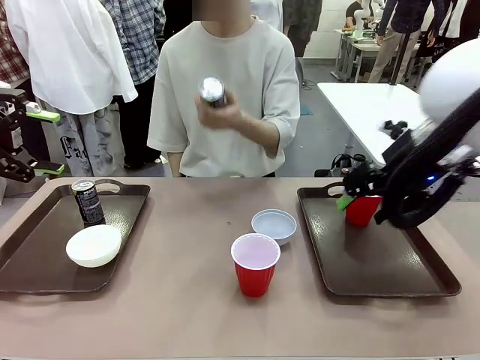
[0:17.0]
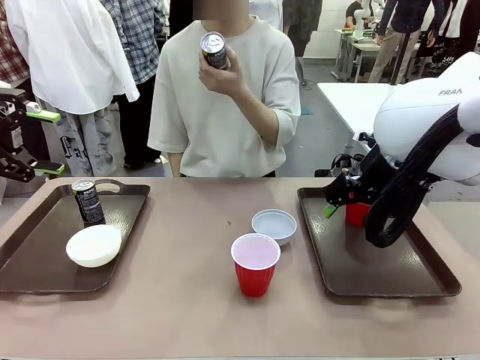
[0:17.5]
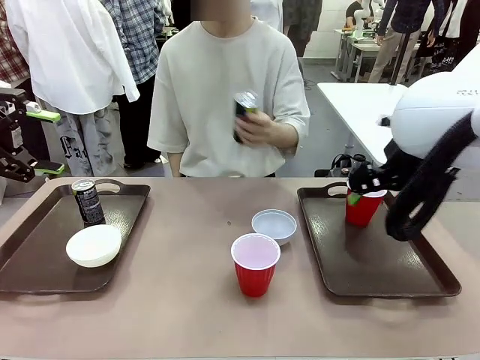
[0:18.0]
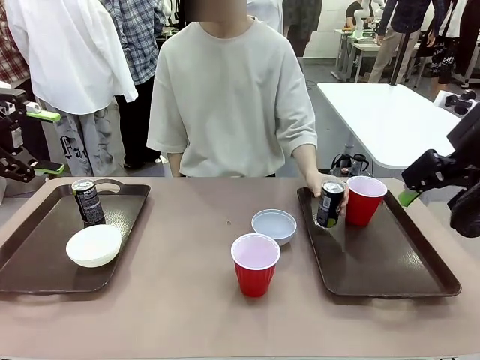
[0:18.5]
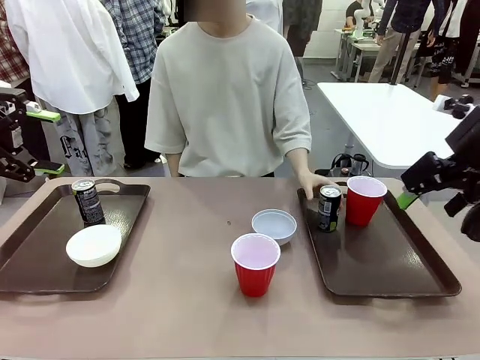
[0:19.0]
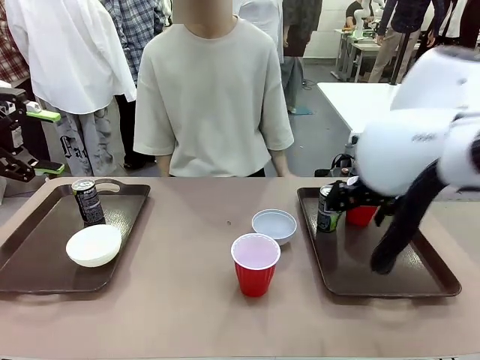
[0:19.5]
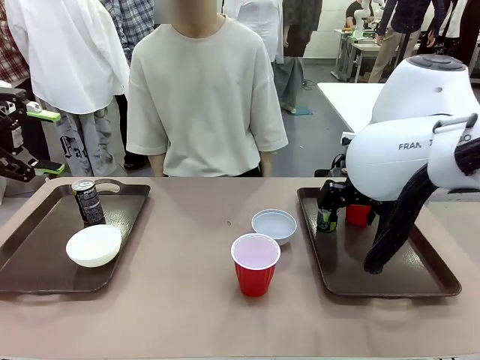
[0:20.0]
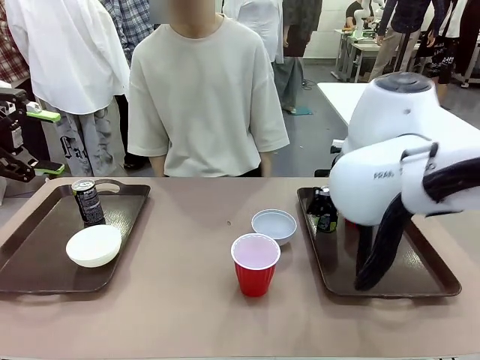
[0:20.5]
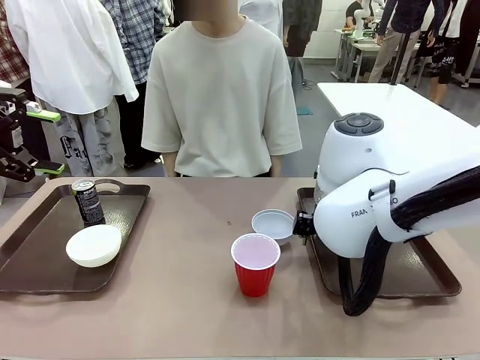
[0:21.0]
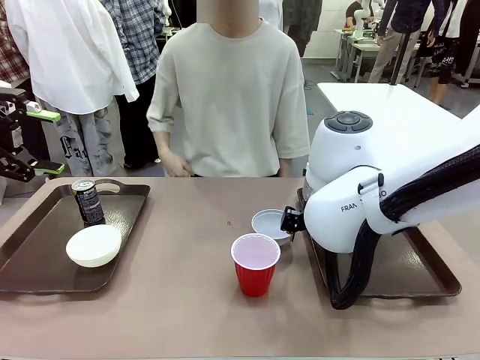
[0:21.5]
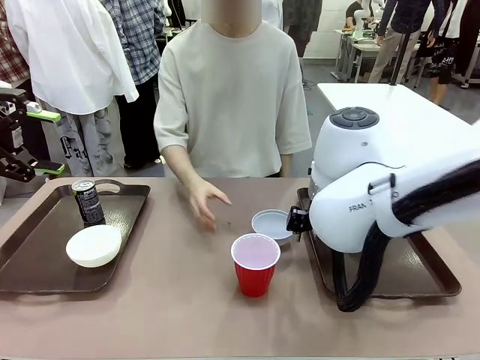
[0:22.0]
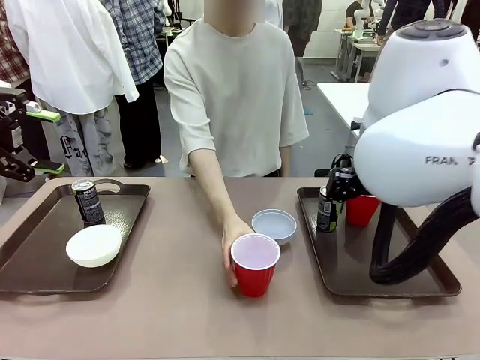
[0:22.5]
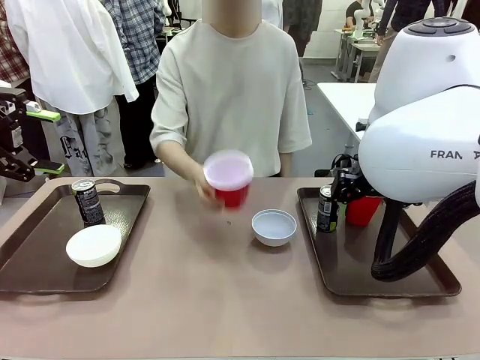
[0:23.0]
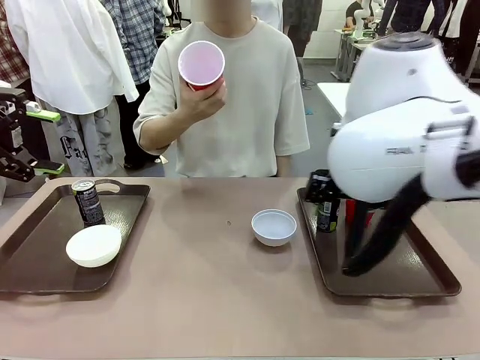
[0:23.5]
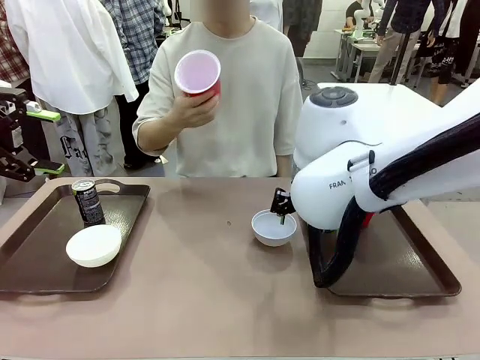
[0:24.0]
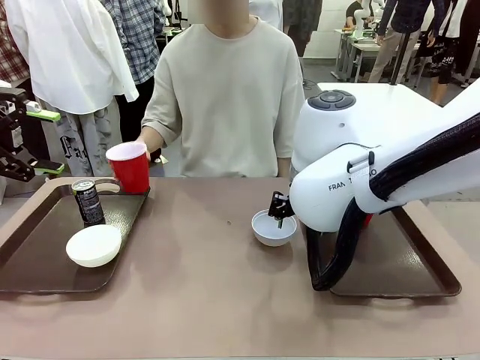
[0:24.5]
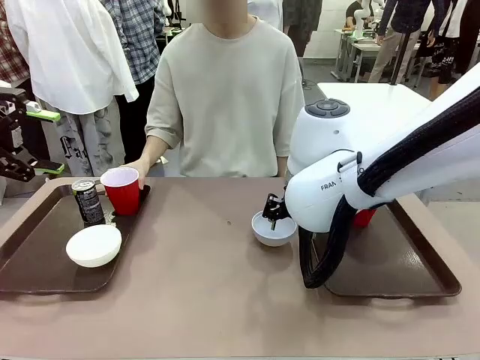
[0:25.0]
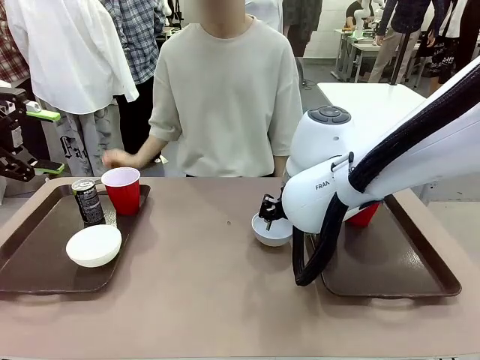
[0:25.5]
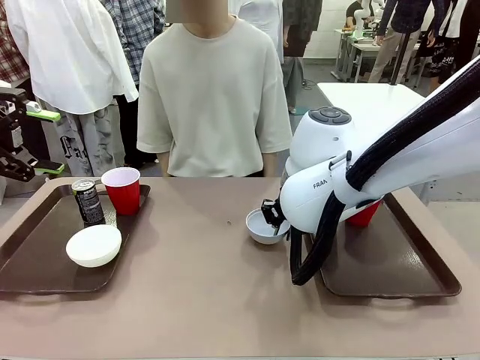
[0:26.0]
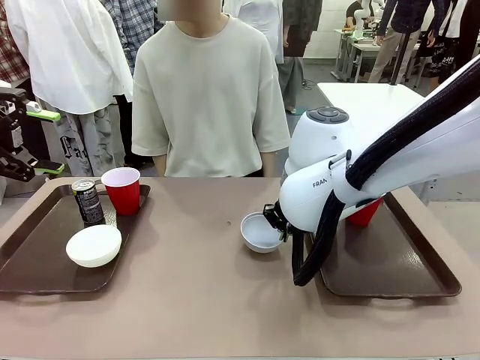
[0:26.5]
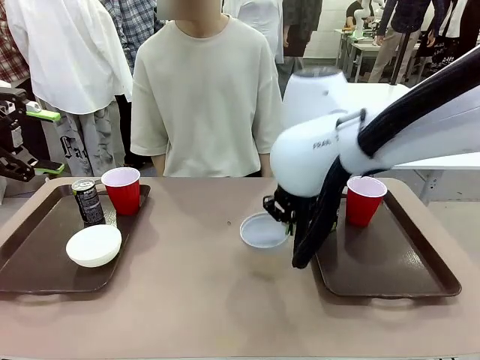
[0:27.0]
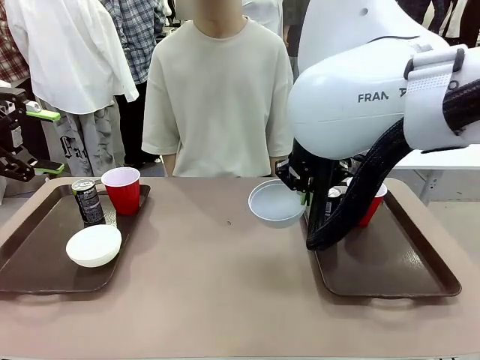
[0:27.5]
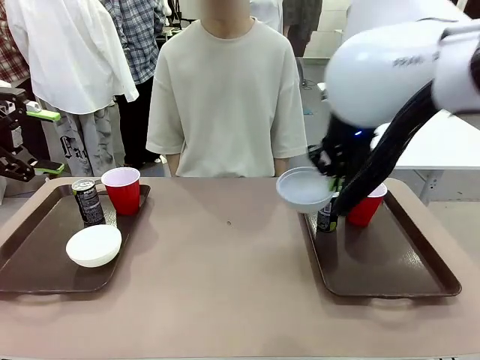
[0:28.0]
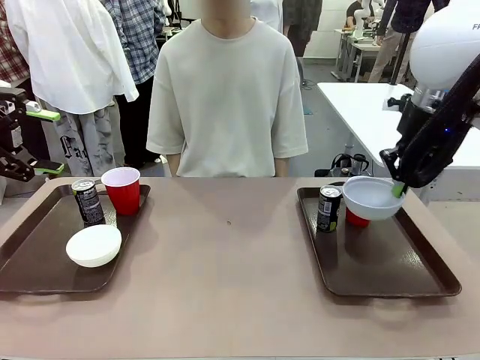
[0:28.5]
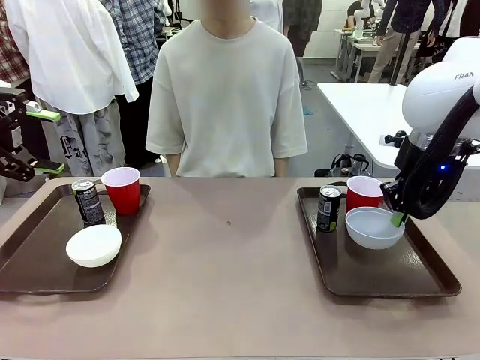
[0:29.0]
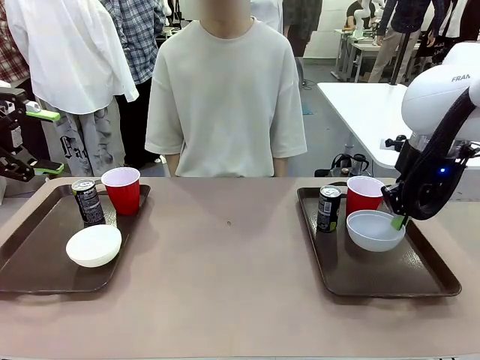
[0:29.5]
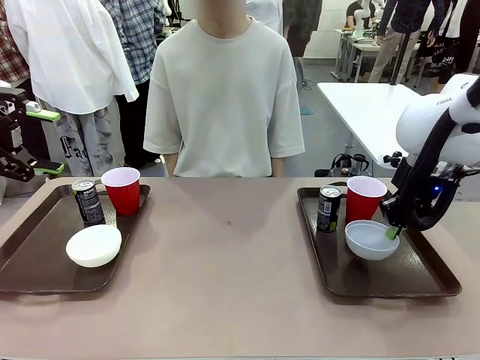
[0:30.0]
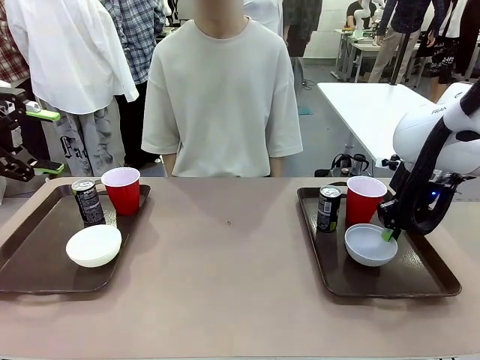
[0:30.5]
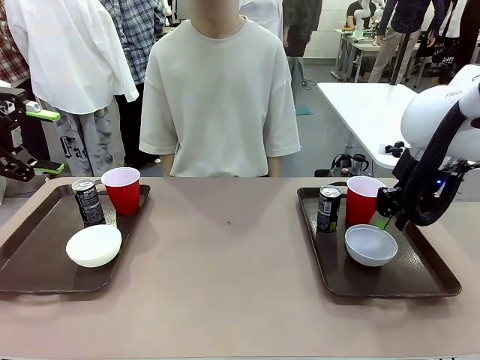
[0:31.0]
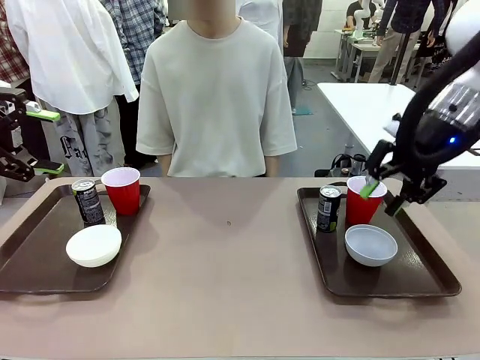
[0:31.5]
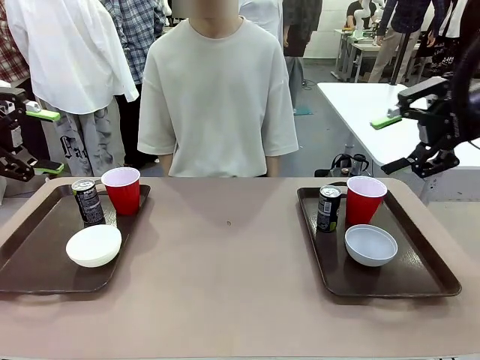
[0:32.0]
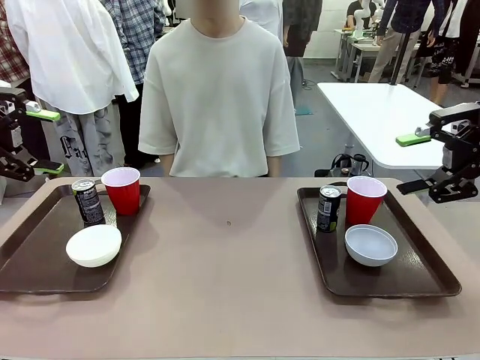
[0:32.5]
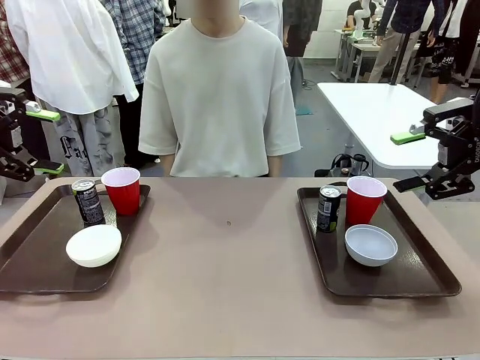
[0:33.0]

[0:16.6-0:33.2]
Task: Prepare tableware on both trays.
Robot: Pick up a Picnic Bowl from the table and place it on a Handle tray.
Person: Pick up a can or cup and place it on the tray without a can or cup.
